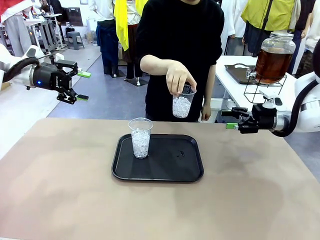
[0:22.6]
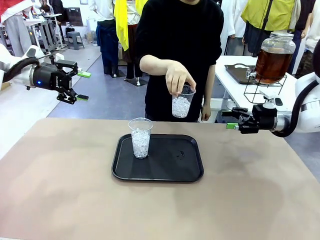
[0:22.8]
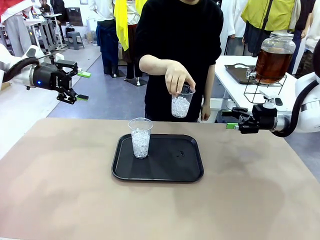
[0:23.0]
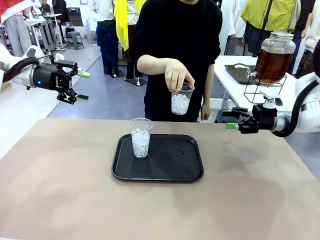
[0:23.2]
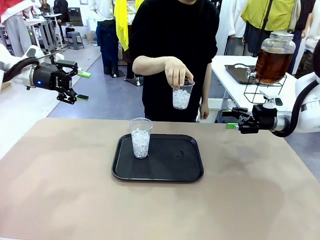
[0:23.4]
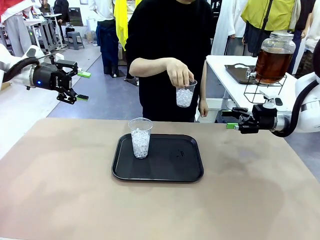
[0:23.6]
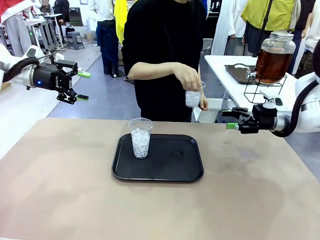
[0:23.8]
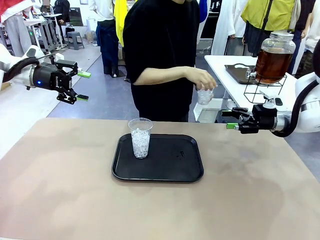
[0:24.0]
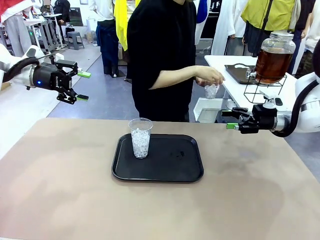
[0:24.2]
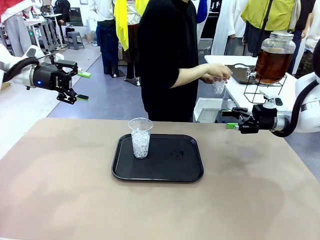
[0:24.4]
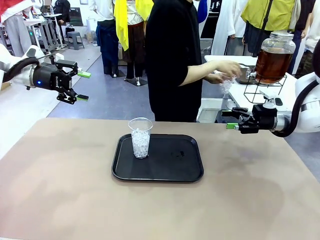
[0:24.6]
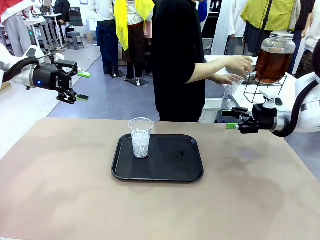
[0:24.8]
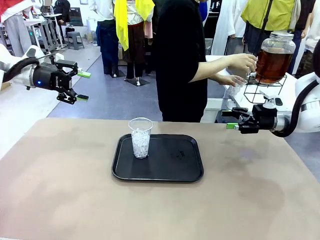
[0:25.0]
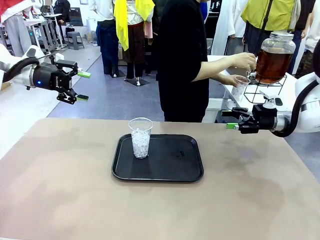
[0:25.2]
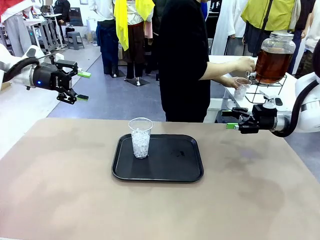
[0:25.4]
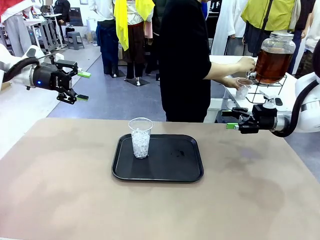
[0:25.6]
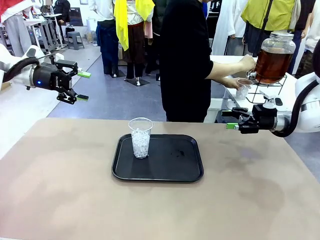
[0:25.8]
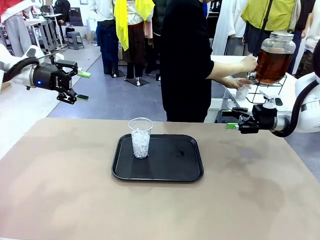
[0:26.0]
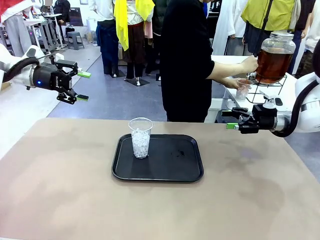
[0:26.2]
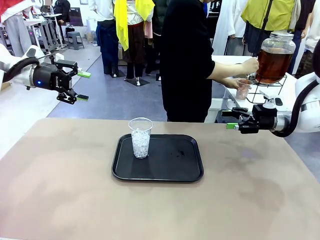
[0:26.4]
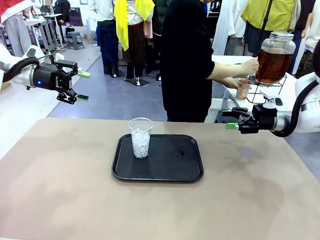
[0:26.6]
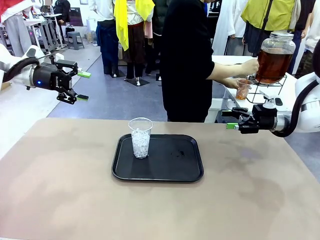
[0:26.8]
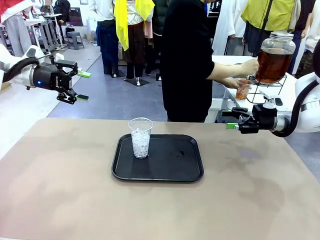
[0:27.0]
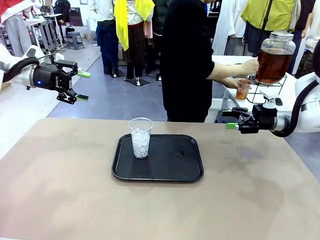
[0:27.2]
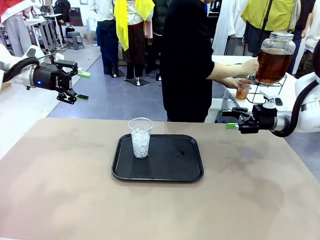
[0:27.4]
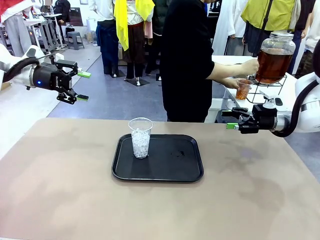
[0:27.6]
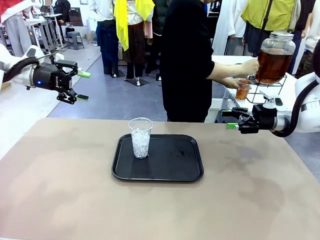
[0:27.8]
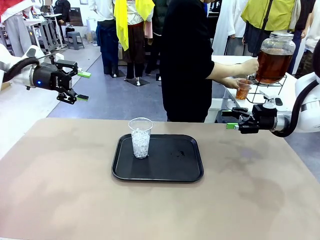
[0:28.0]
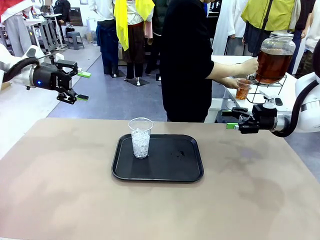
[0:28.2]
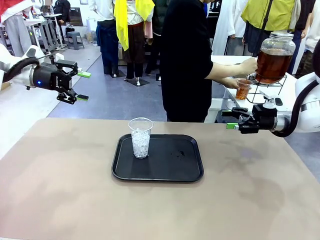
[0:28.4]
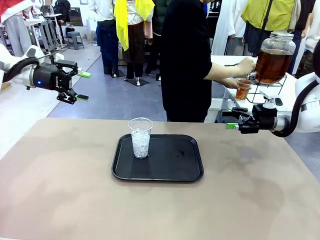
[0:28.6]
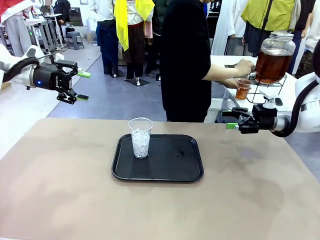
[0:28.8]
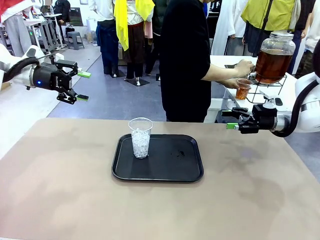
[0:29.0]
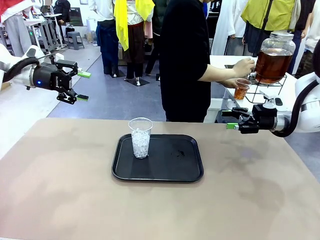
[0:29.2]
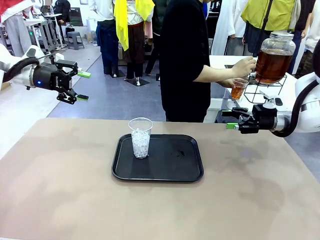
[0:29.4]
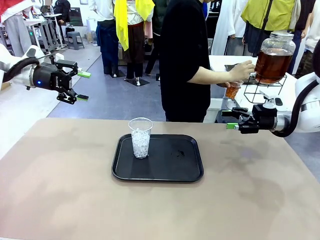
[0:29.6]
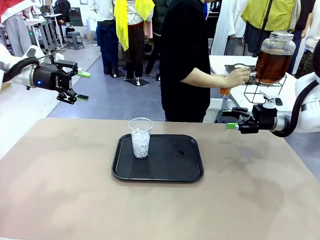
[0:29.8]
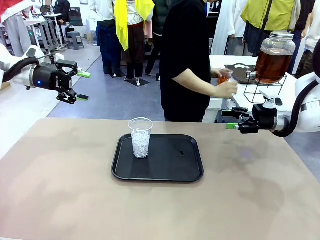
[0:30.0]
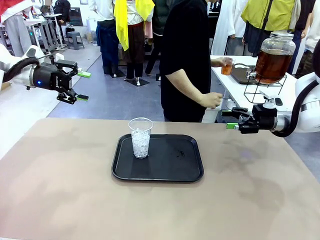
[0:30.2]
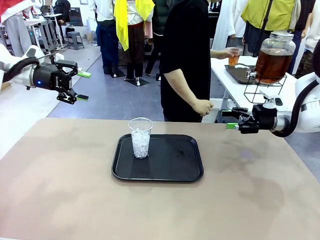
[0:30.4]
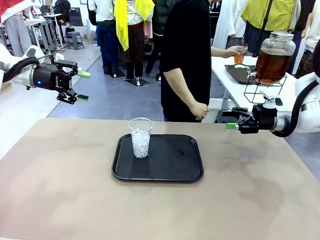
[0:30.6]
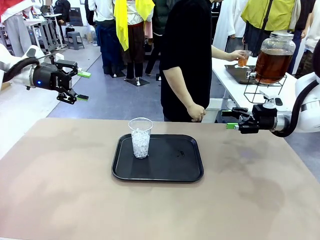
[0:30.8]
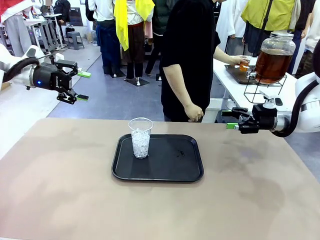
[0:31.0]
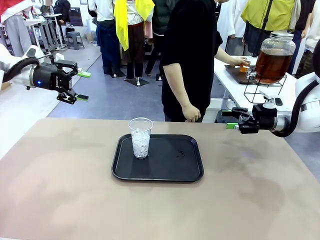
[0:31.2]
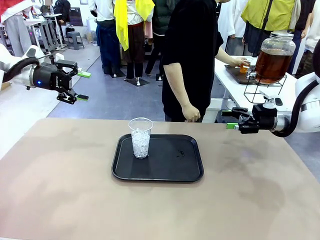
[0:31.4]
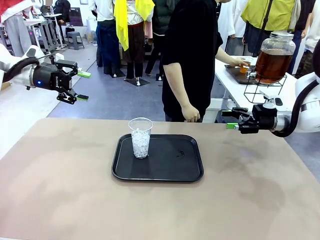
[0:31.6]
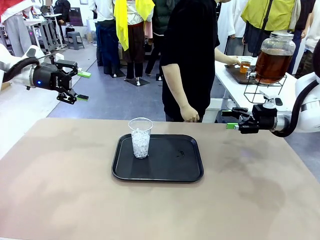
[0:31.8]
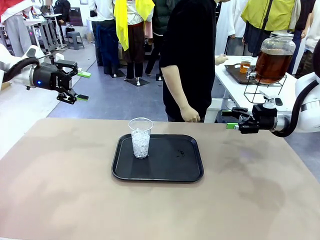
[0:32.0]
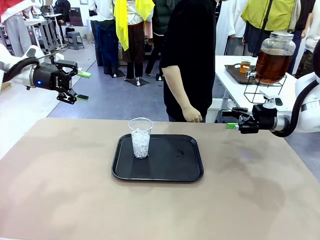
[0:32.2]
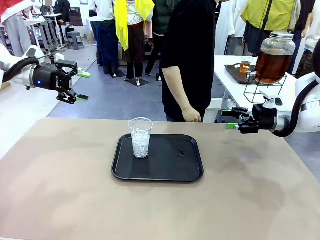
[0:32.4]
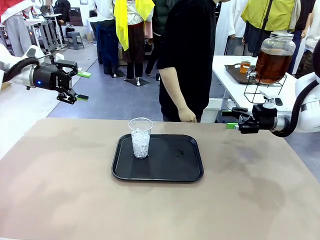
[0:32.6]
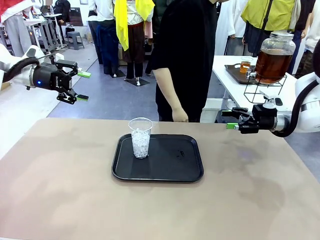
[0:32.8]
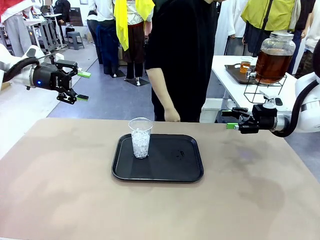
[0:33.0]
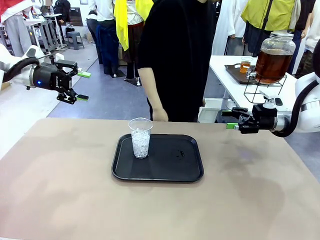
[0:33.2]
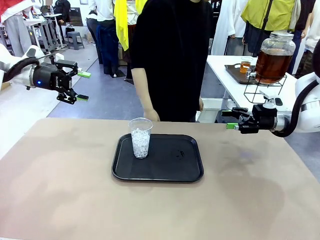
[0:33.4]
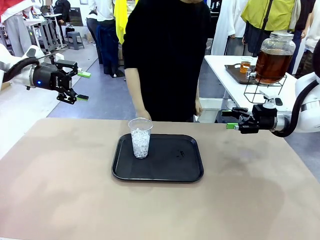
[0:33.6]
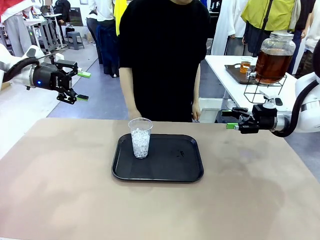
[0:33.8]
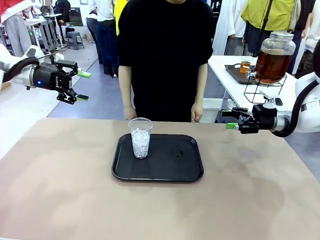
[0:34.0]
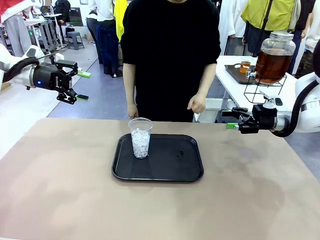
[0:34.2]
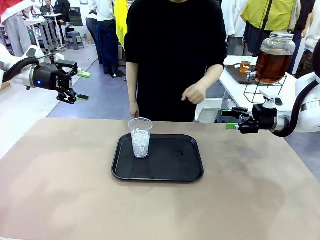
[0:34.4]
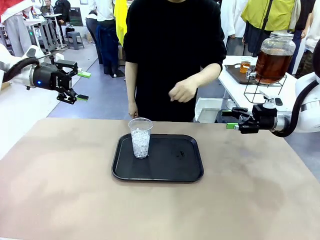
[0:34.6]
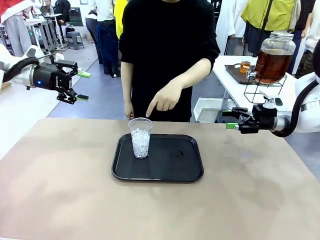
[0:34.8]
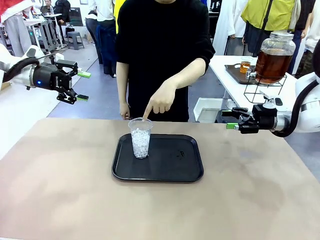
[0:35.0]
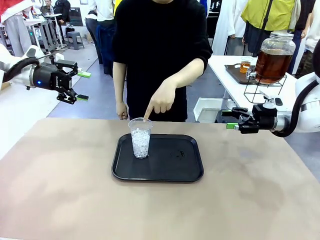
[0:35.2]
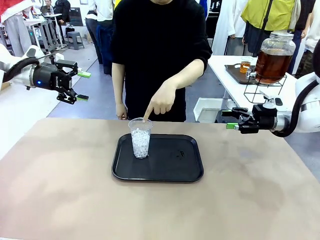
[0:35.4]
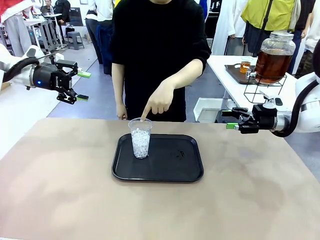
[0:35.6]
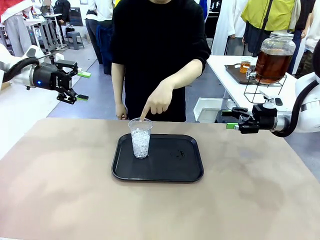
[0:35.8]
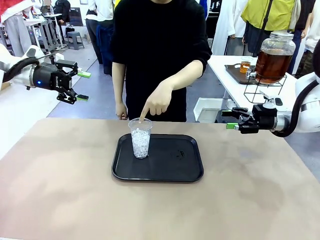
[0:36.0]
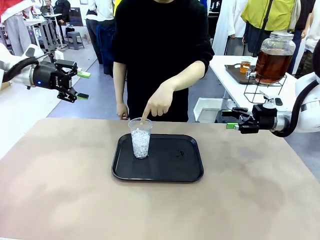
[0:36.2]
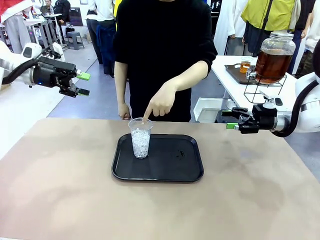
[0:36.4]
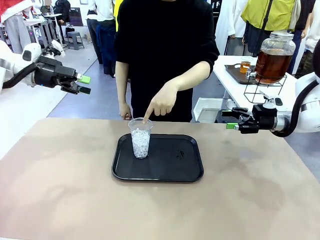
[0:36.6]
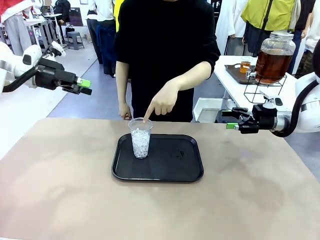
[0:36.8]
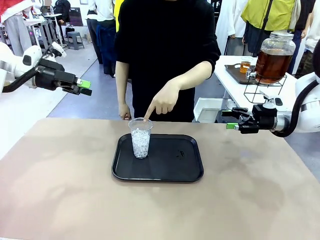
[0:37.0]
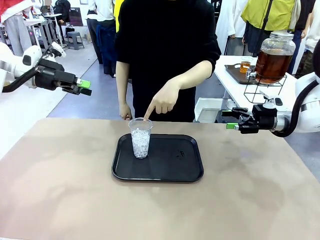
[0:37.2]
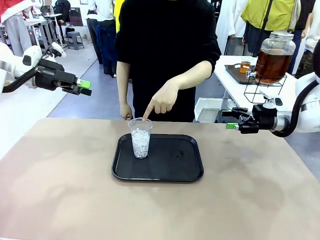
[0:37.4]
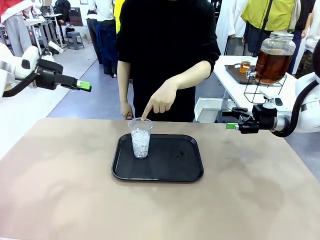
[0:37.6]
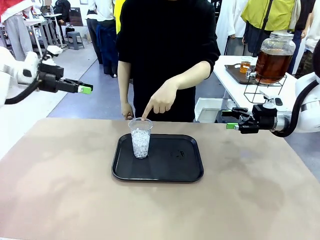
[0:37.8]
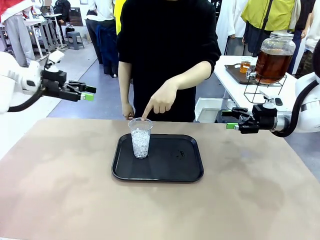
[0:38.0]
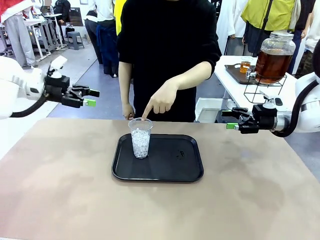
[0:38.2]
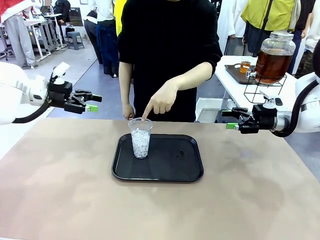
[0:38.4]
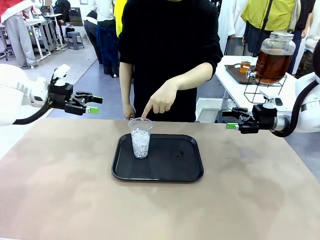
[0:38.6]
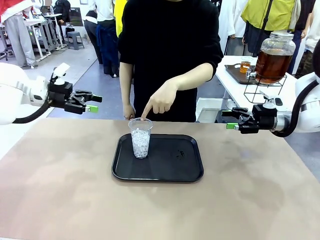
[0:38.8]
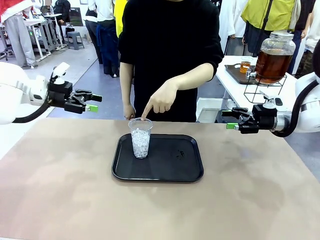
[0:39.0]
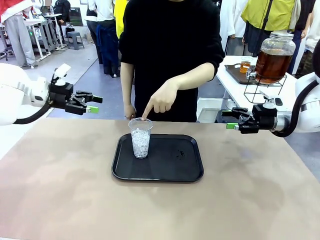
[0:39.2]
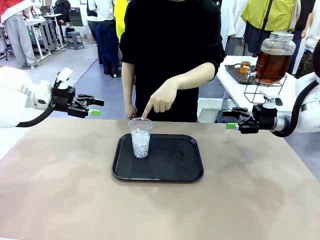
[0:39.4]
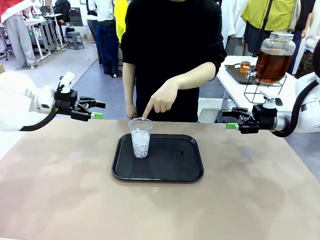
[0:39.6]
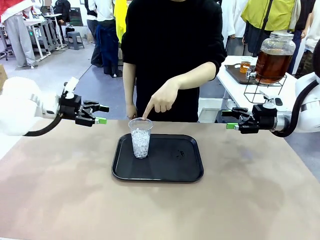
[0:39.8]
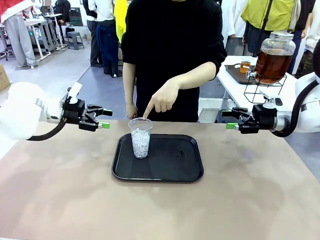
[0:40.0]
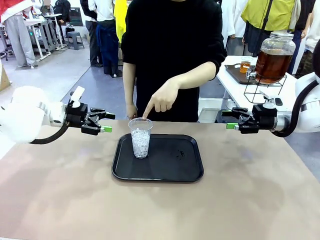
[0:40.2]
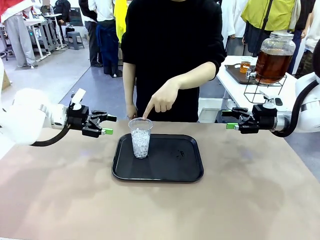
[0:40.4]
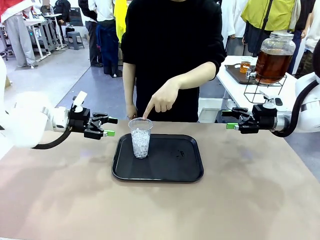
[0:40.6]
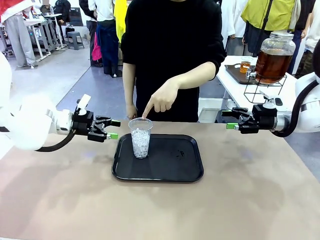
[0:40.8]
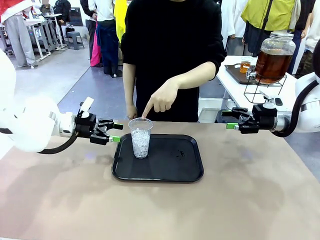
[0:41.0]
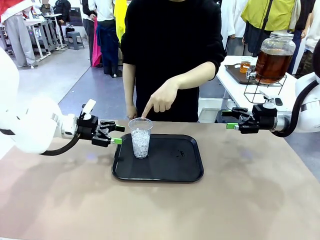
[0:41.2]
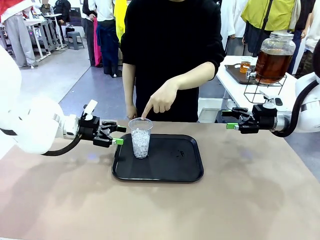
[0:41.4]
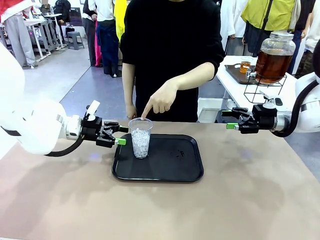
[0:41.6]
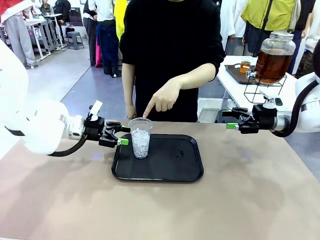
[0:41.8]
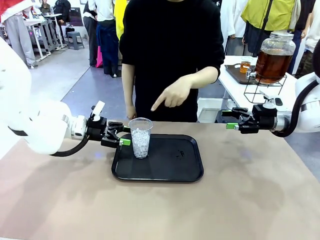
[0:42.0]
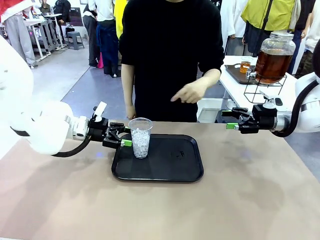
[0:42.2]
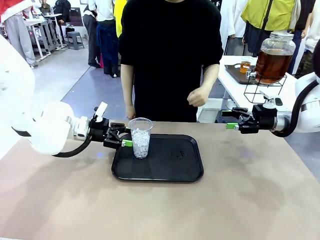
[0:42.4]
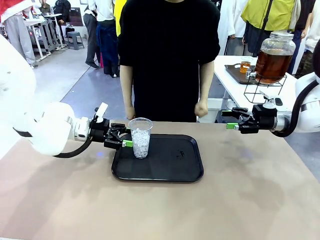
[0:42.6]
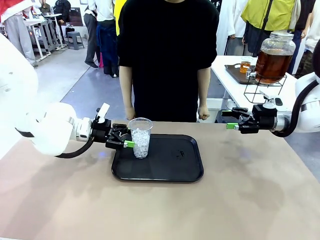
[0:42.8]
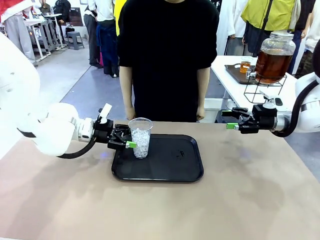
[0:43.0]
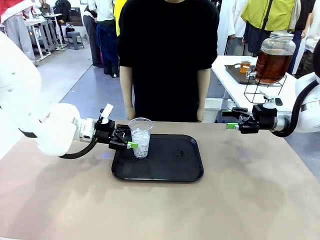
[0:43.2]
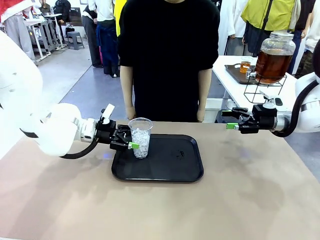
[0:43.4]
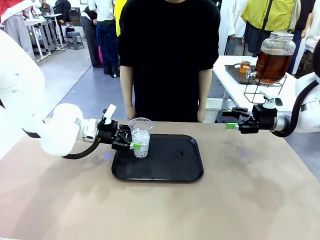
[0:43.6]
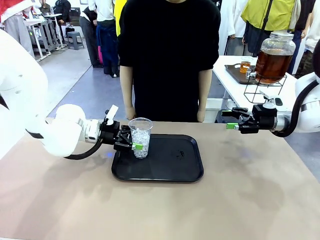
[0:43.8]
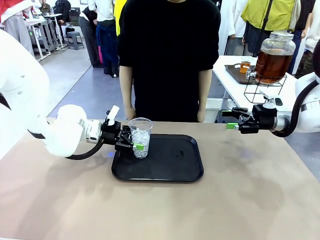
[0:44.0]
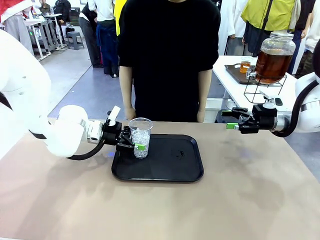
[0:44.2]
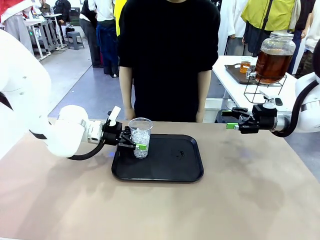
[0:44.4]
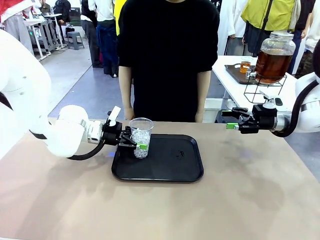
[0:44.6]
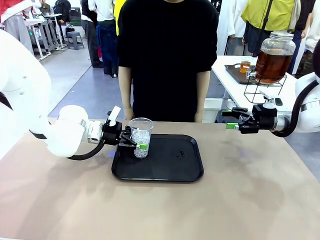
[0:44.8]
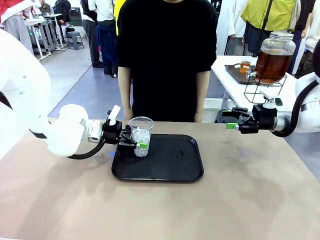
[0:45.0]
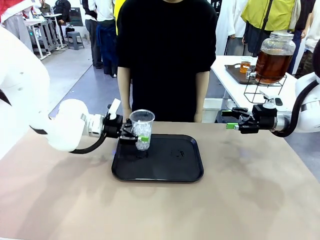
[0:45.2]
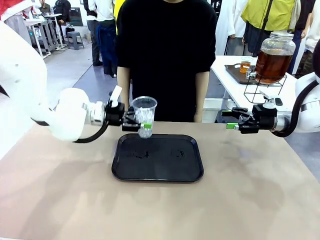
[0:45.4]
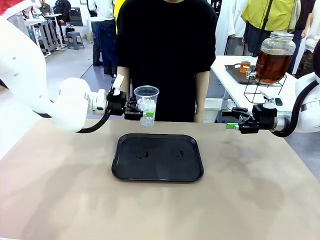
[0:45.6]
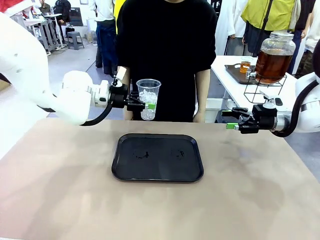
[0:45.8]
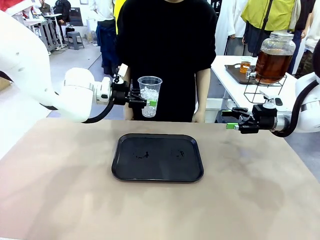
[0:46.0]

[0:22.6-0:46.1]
Task: Pour the drink into the iced cup.
Robot: Pick up the iced cup indicated by the human and present it to them.
Person: Move the picked-up cup under the dispenser faucet, pour the drink, and place it on the tray on the human table. Point to the remaining ice cup on the robot table. Pick up the cup offered by the robot.
